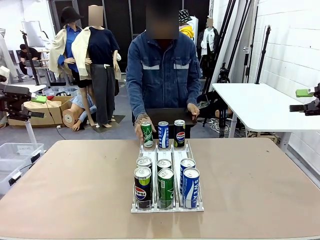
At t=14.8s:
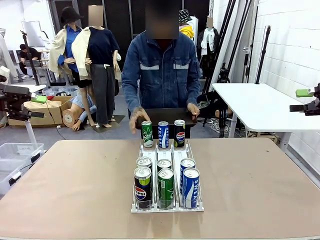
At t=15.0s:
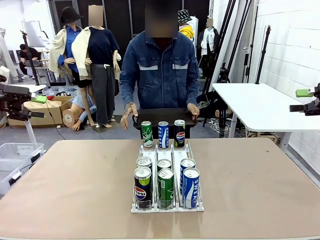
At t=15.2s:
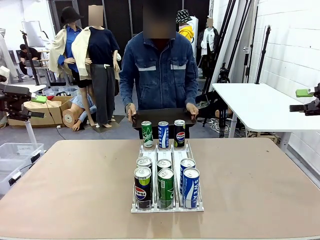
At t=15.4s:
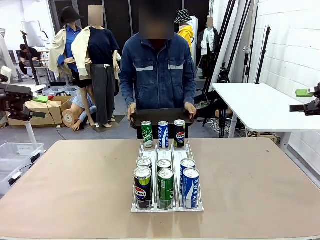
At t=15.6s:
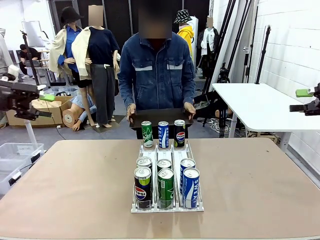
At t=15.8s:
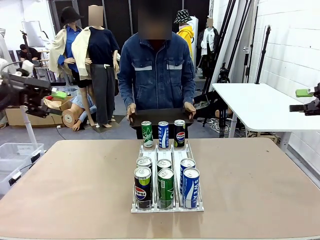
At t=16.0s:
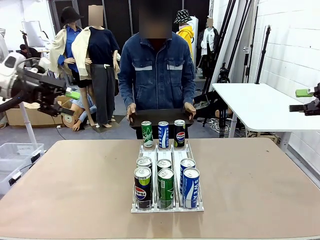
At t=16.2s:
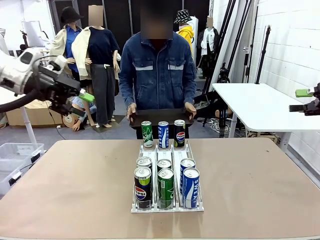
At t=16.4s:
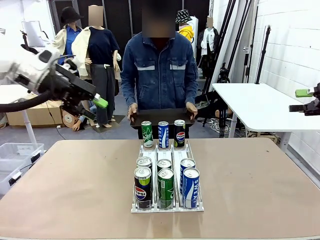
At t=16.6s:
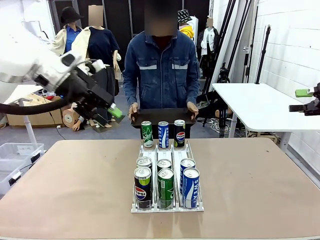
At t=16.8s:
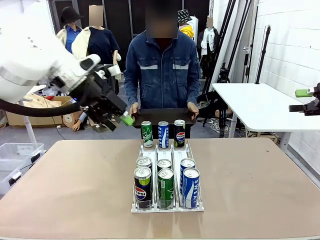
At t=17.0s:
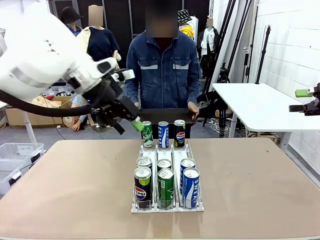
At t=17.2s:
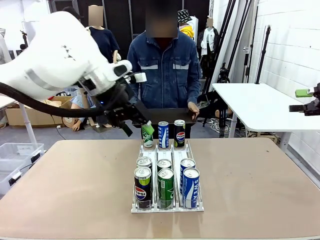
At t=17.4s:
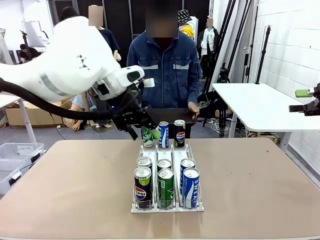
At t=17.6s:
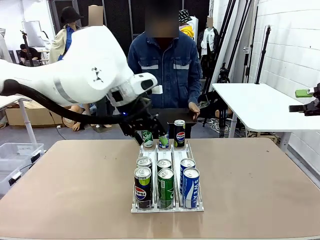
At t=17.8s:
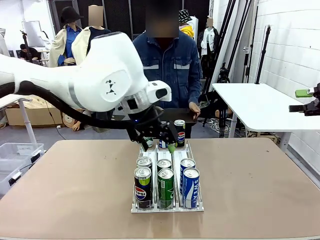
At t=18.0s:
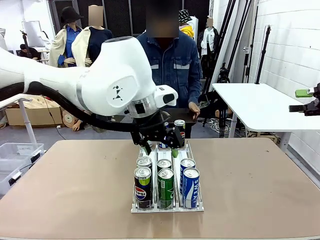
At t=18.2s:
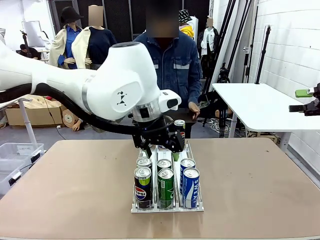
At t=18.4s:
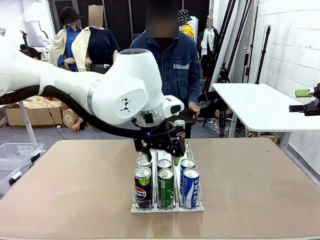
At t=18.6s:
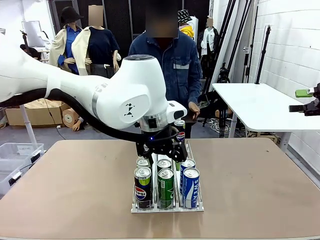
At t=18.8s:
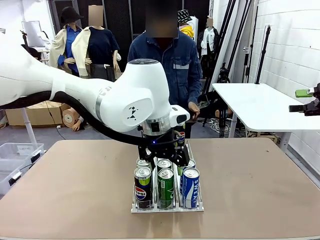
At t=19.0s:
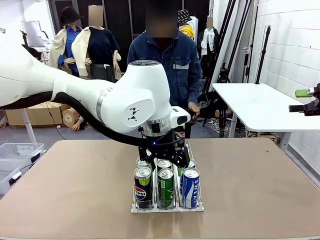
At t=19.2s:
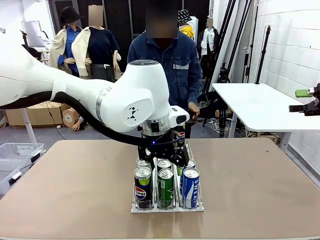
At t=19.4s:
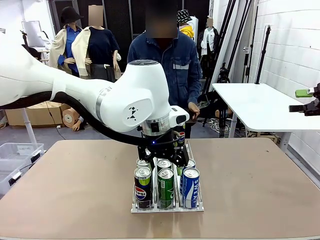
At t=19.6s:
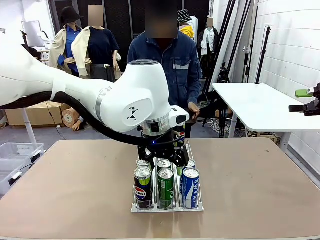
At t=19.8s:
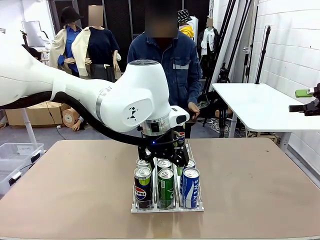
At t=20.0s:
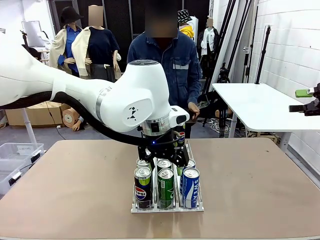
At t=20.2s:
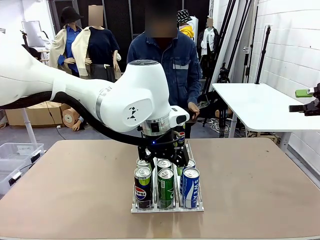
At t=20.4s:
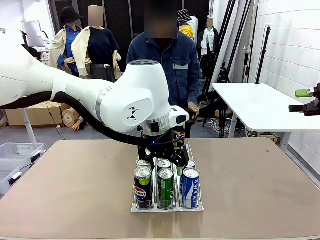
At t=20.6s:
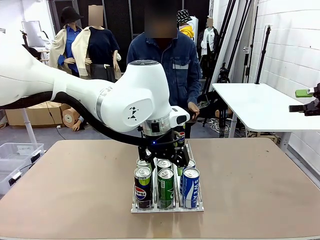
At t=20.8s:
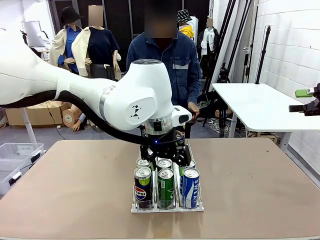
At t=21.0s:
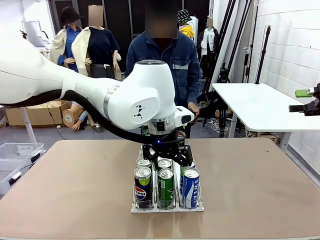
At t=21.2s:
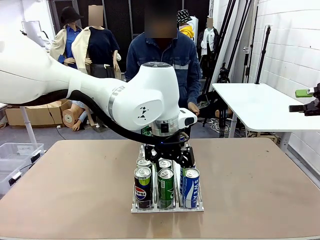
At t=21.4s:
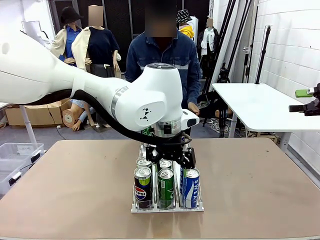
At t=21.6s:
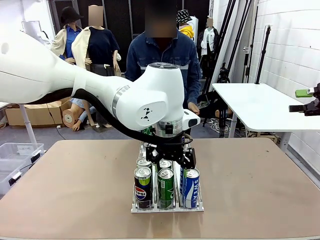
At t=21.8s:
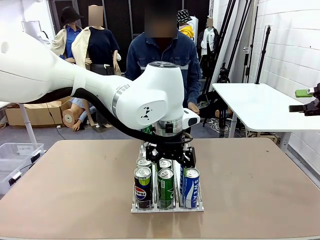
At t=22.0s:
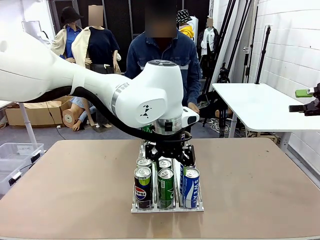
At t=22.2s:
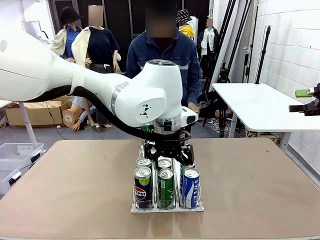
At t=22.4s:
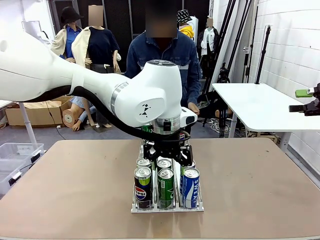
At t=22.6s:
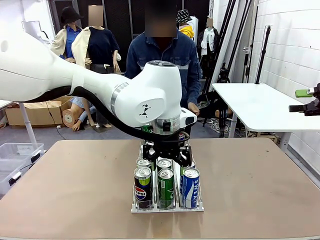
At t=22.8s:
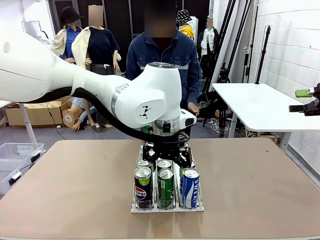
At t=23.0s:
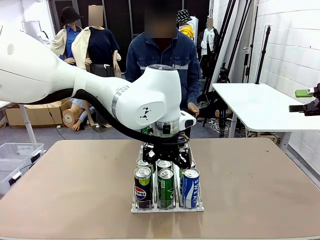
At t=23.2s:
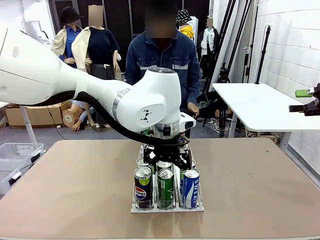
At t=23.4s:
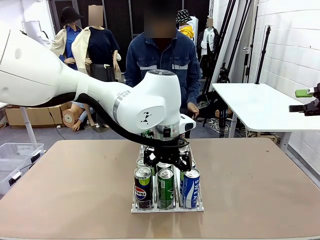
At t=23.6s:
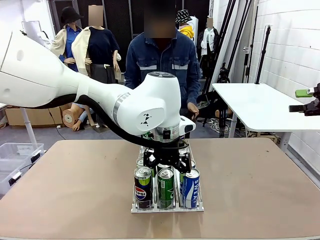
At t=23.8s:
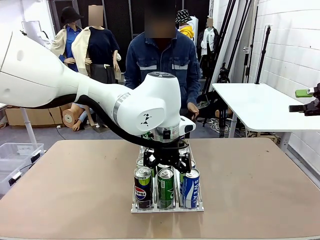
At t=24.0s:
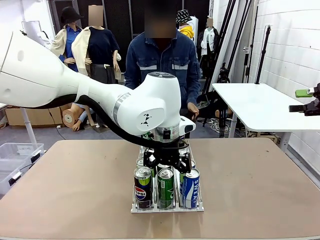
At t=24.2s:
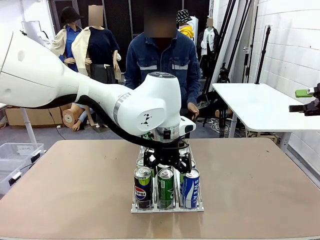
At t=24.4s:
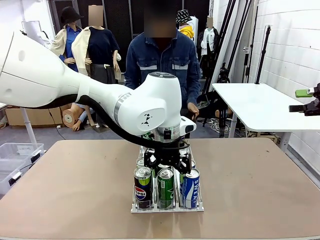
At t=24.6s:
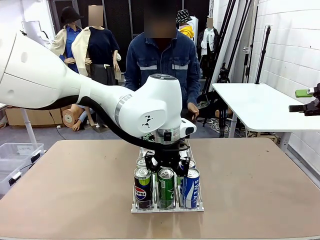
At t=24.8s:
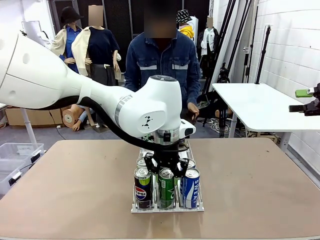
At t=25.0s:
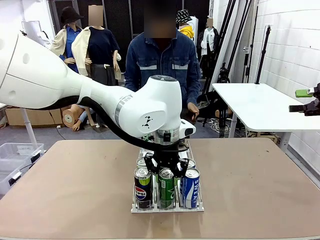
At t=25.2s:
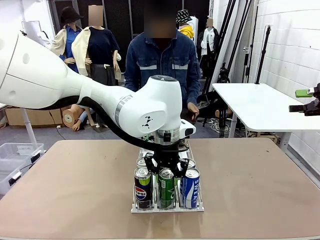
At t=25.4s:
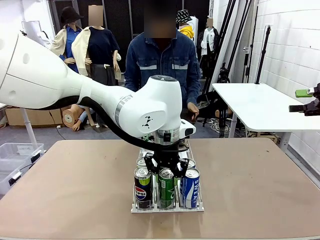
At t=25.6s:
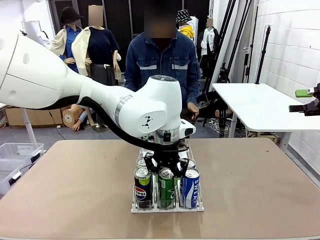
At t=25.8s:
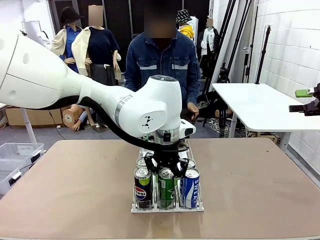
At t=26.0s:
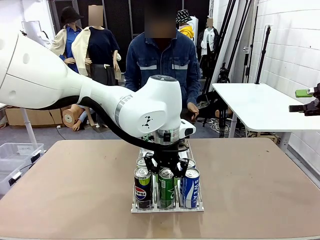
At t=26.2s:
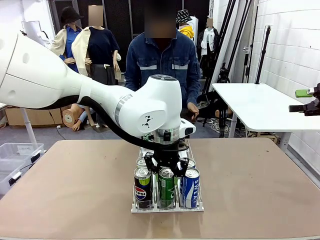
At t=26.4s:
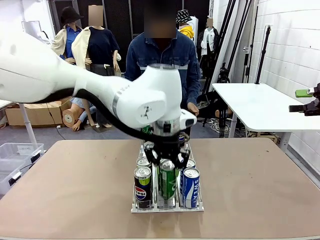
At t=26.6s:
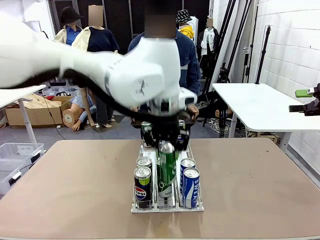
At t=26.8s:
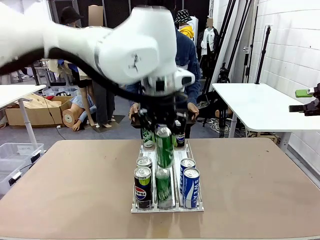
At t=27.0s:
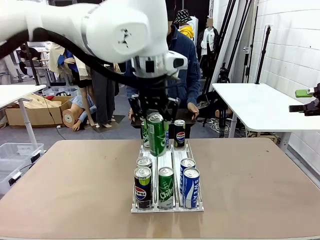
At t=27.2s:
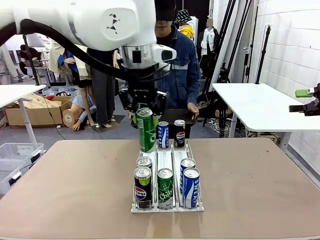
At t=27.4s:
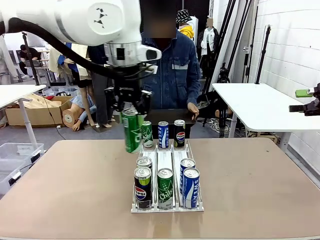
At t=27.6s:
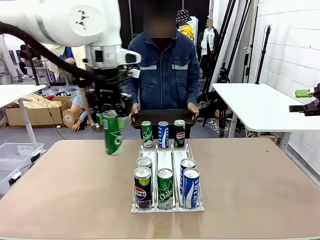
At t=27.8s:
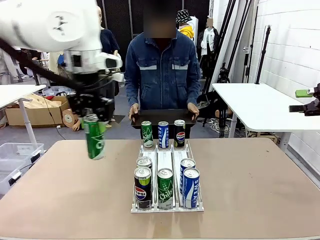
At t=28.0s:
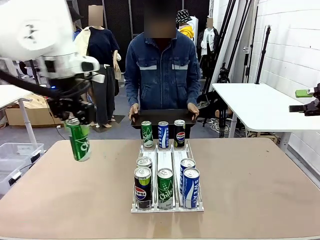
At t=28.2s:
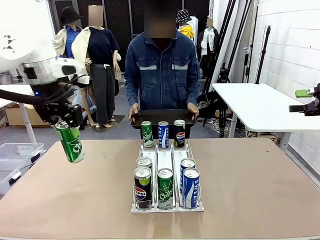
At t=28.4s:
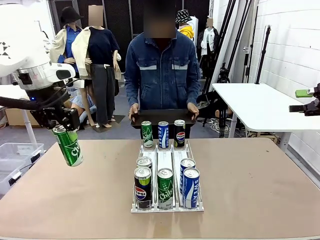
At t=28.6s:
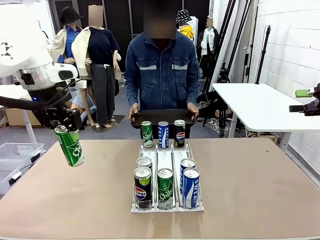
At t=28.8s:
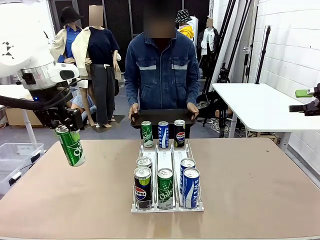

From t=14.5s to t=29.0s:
Task: Retrieve and hand over the desired beverage to the person.
Robot: Pick up a can of the same type that the person held from the Automatic Can Dispenser.
Person: Push the tray toward the robot.

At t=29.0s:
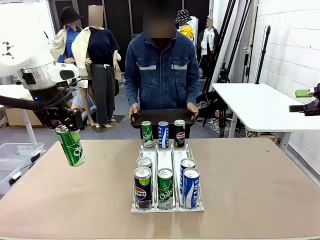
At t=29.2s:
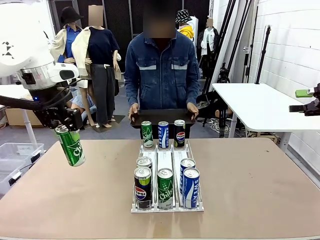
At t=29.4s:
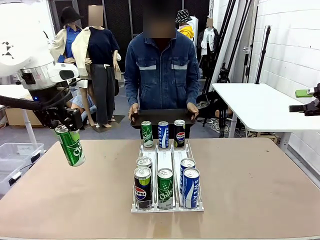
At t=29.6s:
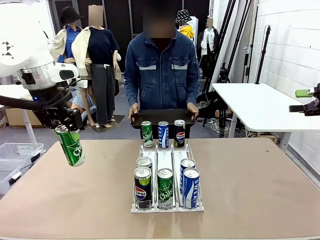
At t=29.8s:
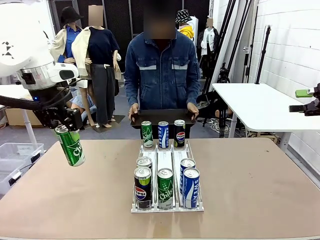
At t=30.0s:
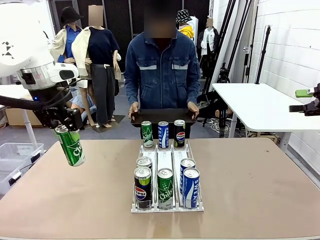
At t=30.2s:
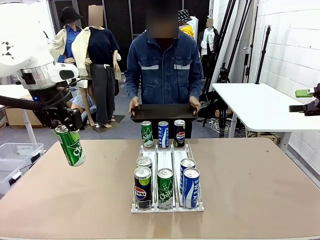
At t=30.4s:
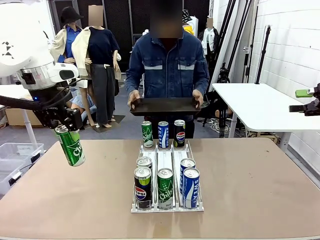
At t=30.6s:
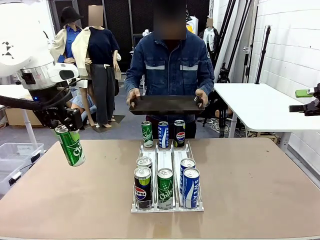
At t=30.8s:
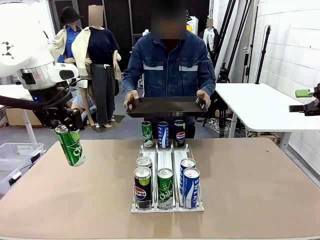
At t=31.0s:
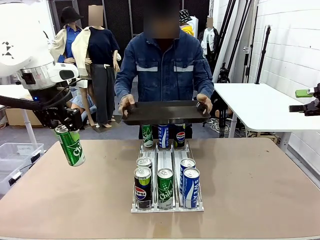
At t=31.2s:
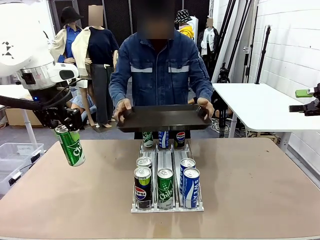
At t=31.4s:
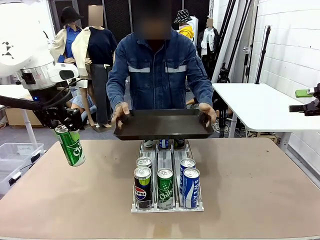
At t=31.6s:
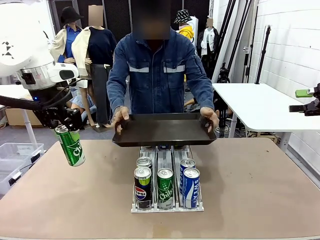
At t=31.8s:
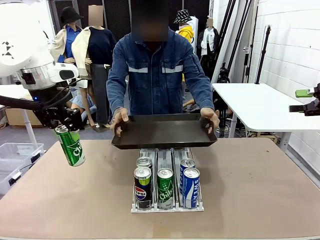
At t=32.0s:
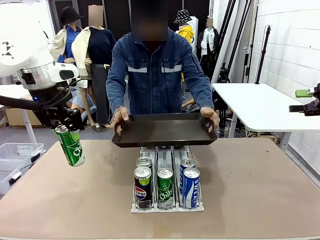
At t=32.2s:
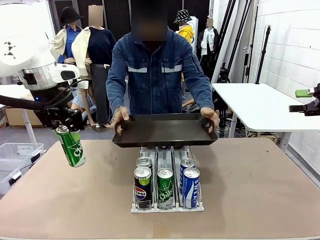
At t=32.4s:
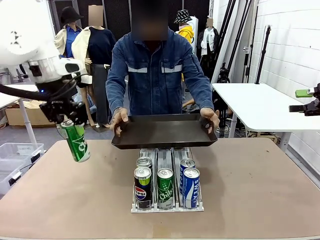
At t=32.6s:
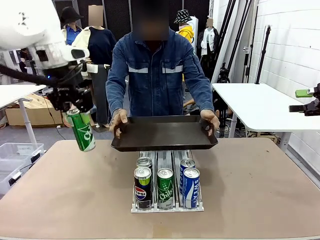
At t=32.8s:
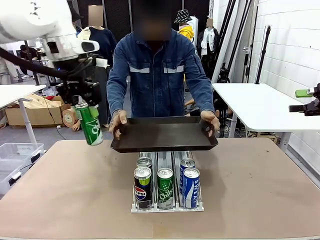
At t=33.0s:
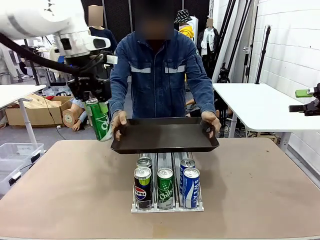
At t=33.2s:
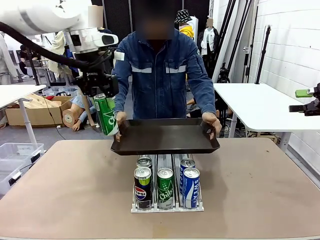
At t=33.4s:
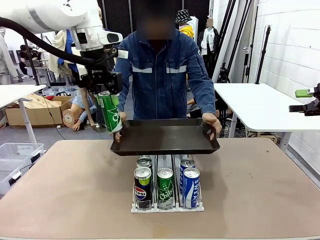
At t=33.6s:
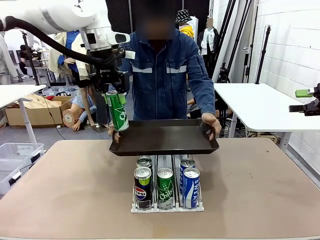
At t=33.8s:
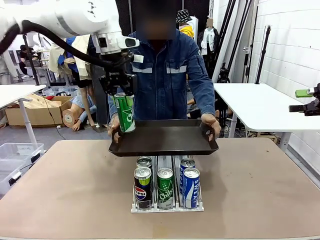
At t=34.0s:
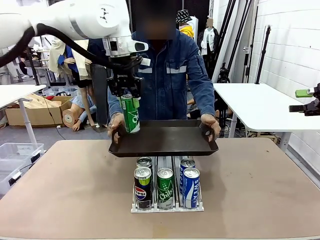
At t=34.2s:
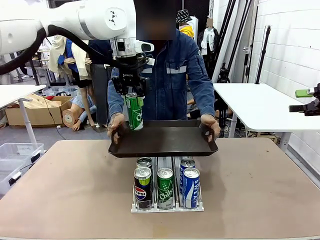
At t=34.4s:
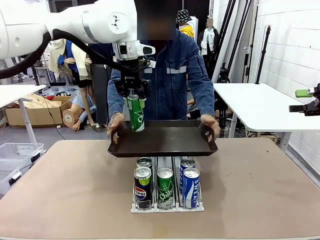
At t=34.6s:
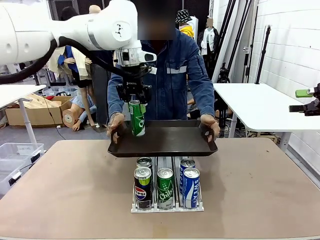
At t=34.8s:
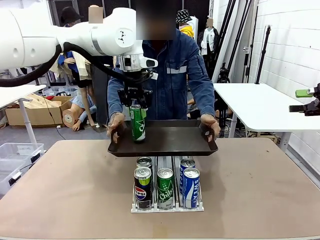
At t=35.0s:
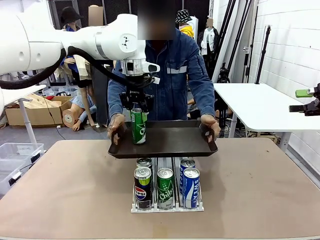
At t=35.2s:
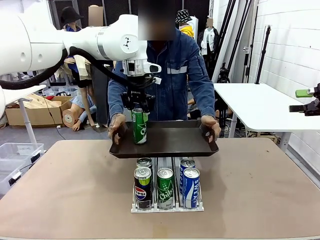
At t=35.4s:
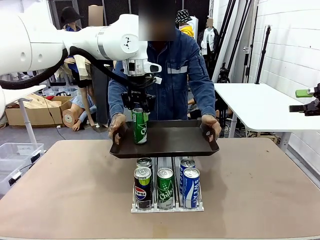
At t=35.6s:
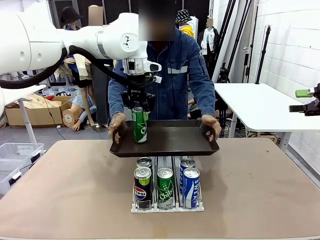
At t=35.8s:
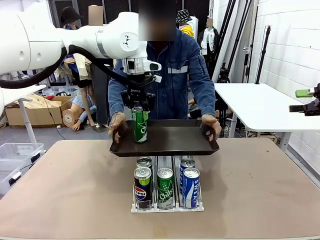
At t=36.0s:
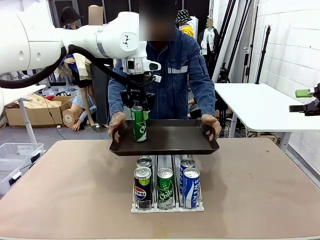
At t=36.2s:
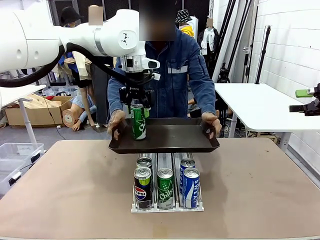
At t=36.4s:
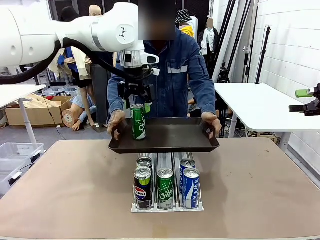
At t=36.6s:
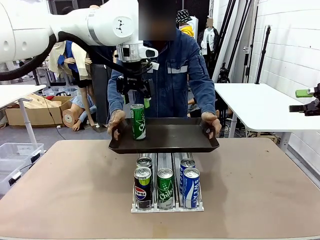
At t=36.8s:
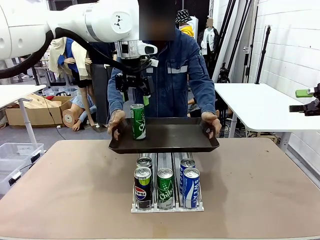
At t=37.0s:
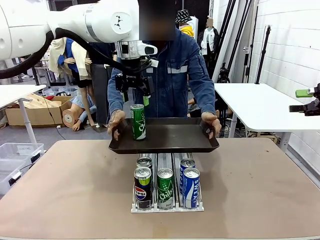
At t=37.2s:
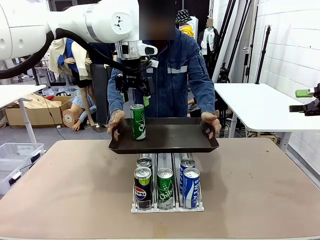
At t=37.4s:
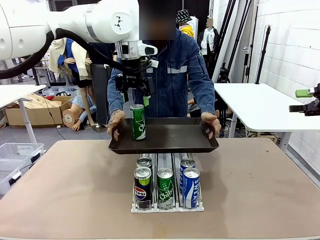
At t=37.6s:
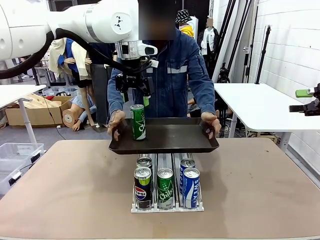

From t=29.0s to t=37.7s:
Robot: Place the picked can on the Handle tray extended by the person.
